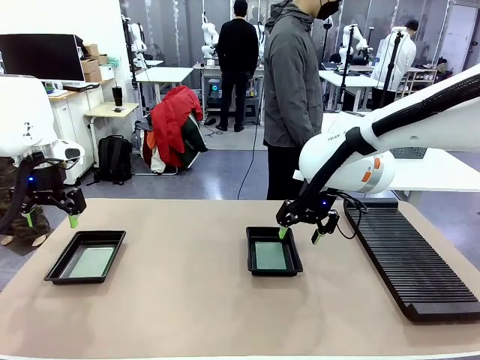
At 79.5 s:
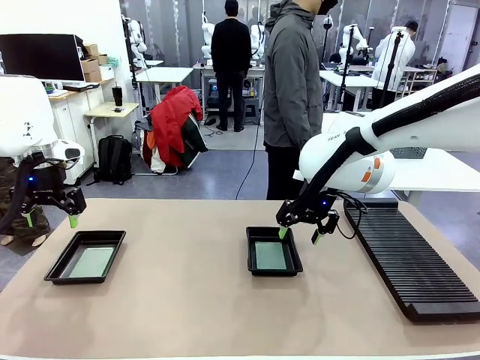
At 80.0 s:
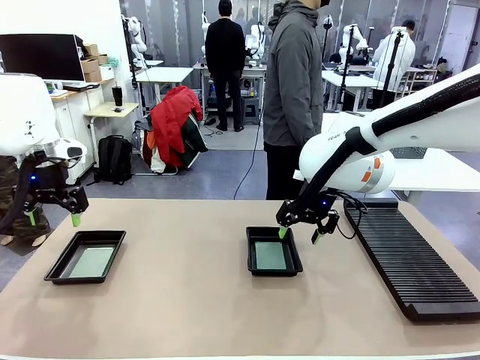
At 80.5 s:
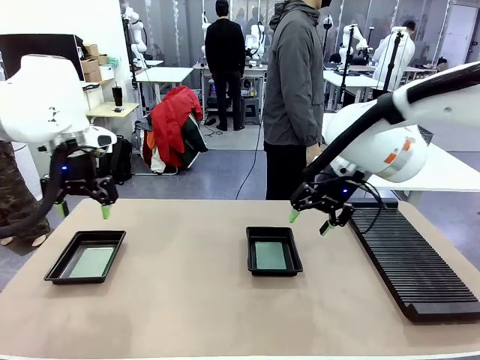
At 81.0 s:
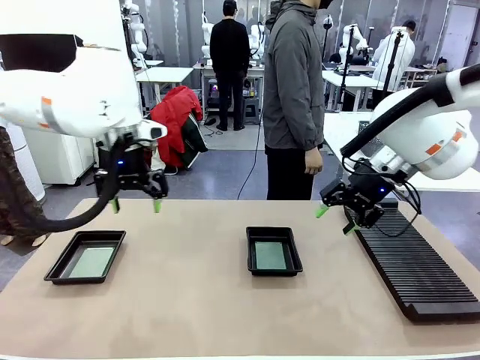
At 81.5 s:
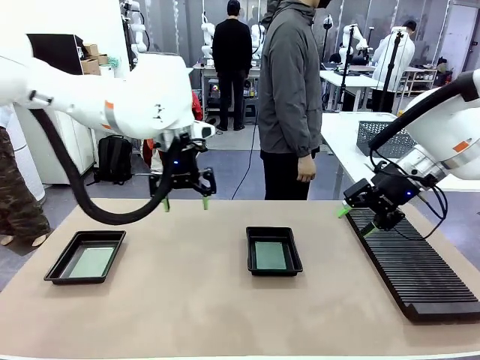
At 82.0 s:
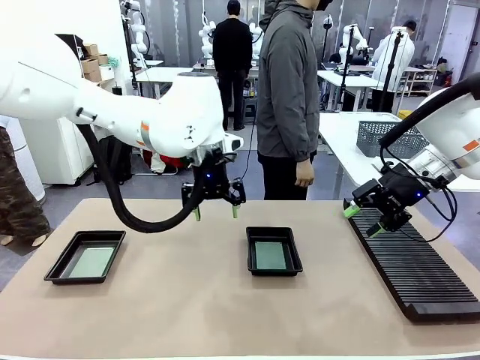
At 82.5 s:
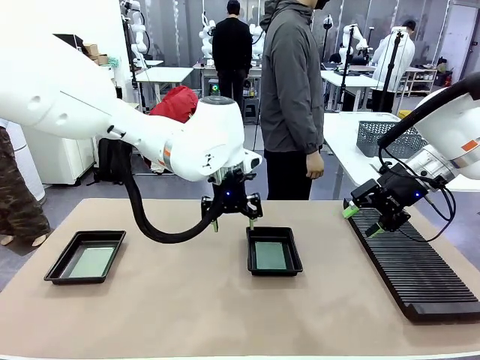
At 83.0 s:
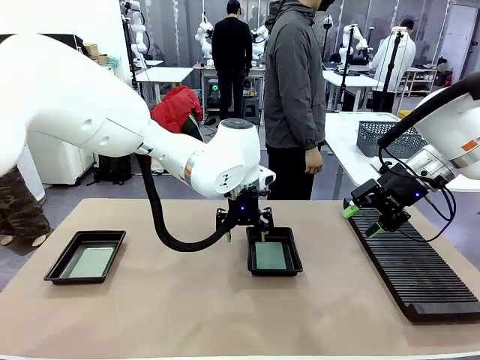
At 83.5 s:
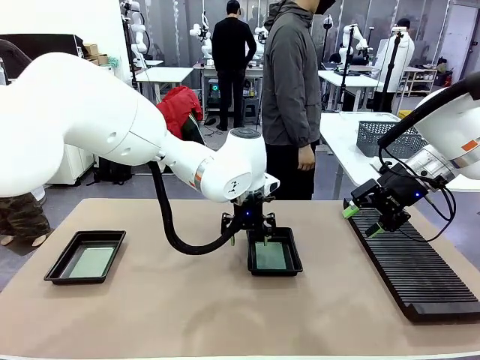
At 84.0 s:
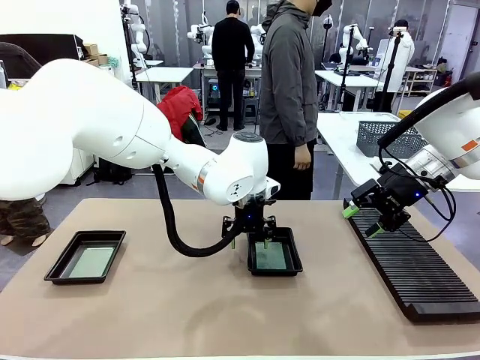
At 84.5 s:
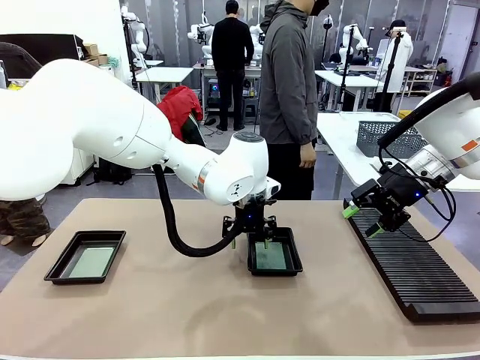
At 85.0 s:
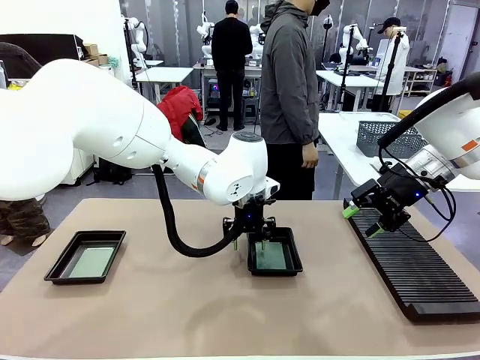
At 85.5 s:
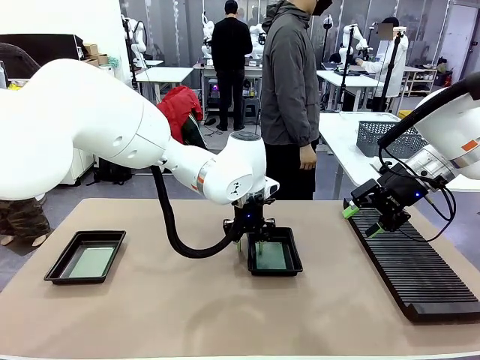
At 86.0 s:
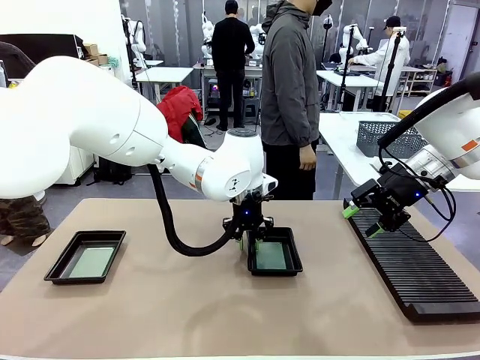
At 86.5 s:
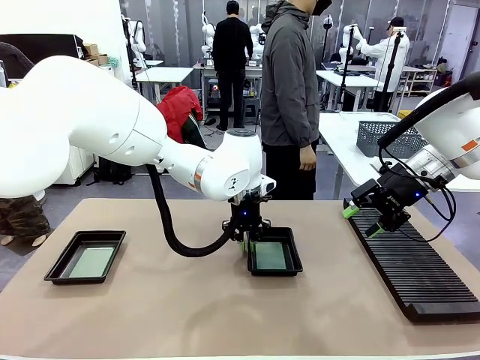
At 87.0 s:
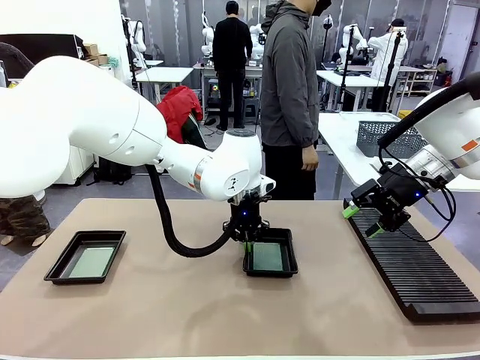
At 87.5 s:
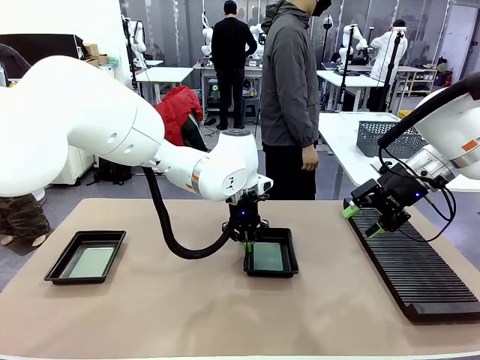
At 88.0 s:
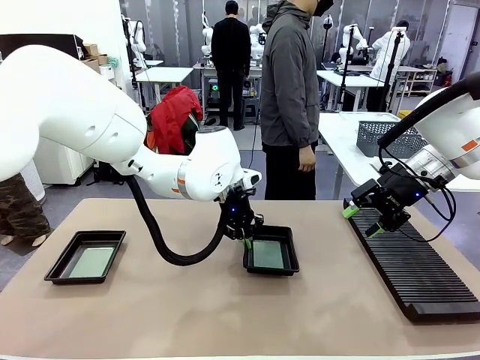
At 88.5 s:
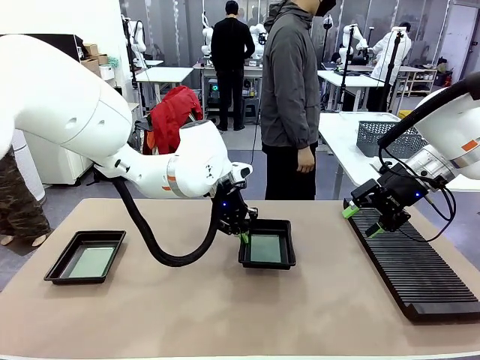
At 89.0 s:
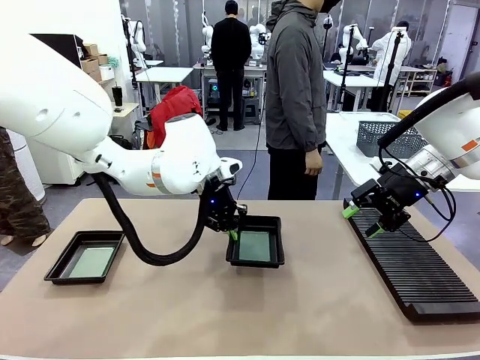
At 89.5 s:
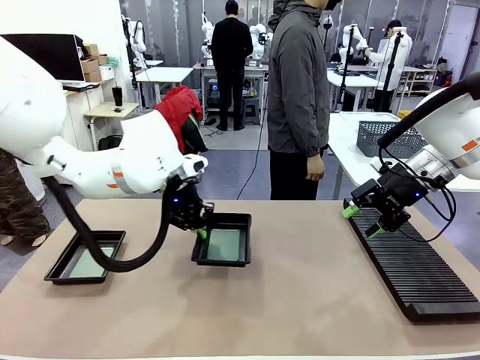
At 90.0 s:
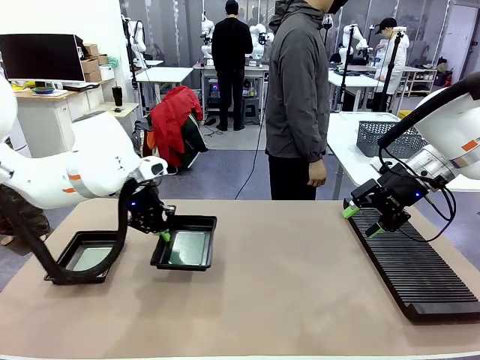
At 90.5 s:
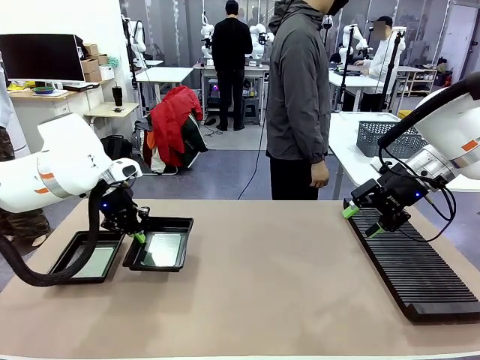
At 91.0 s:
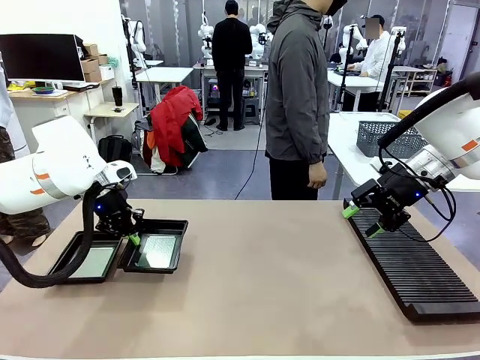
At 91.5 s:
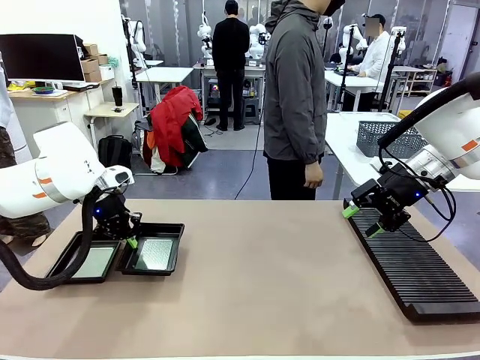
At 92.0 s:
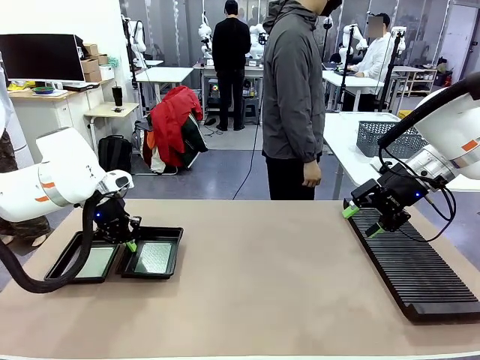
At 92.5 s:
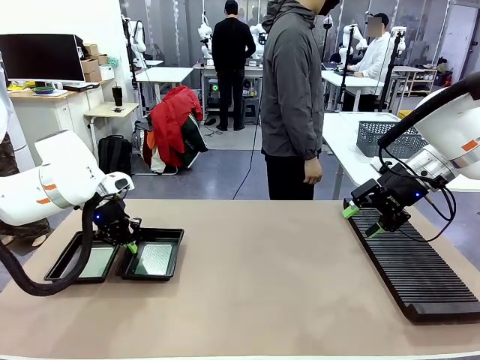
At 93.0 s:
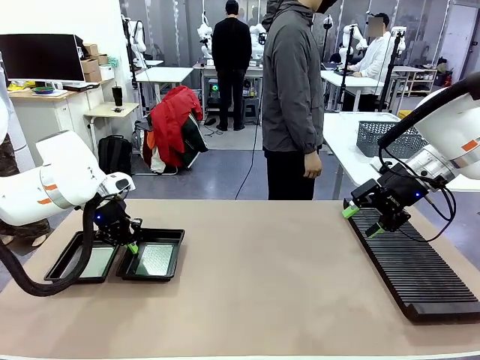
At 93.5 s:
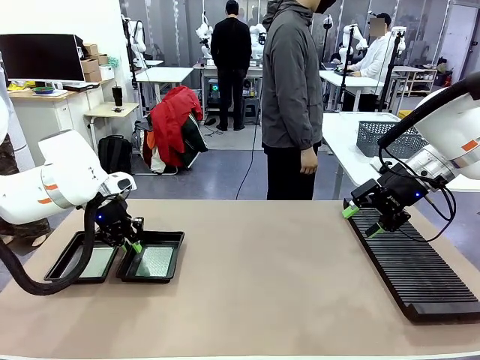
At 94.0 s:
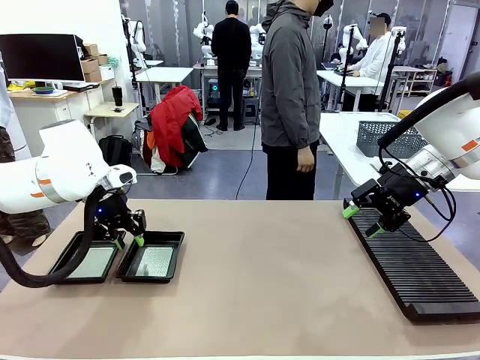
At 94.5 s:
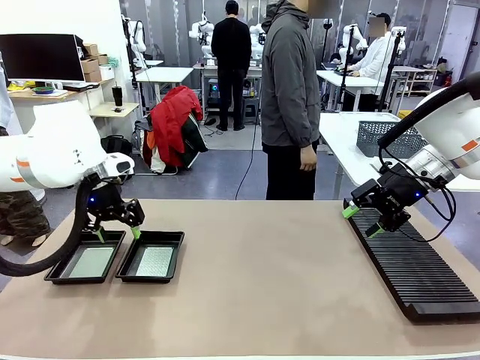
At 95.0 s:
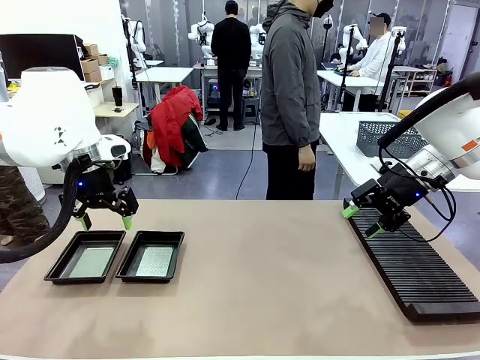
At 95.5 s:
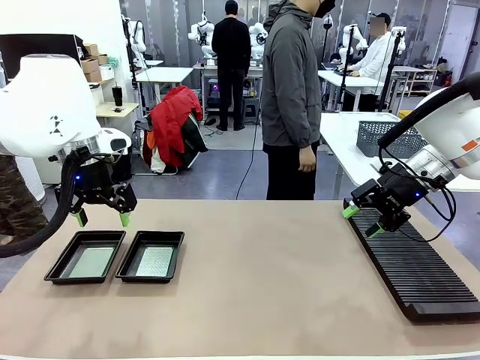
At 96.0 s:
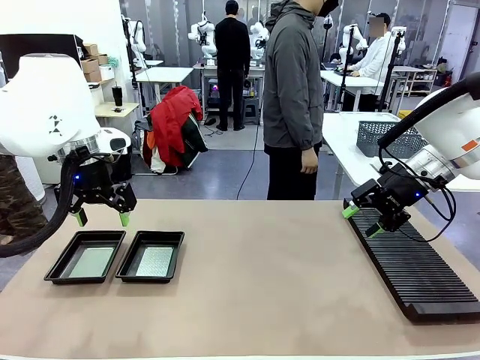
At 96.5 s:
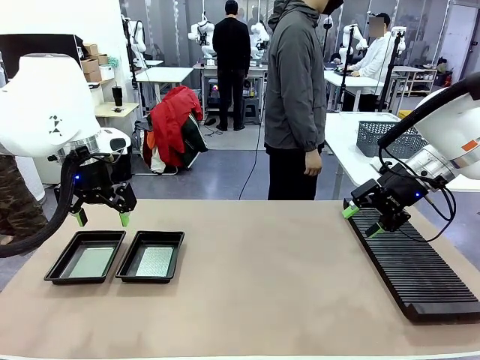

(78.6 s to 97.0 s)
Task: Inspect and transfer BCBs to ESD trays.
Robot: Pick up the ESD tray and place it on the left side of the table.
